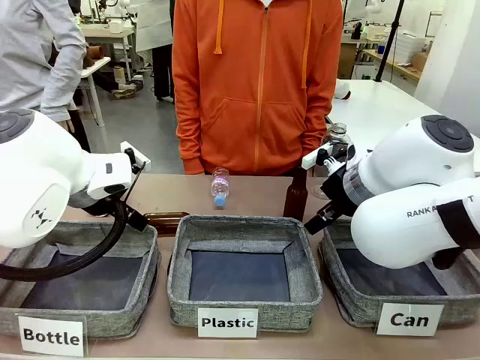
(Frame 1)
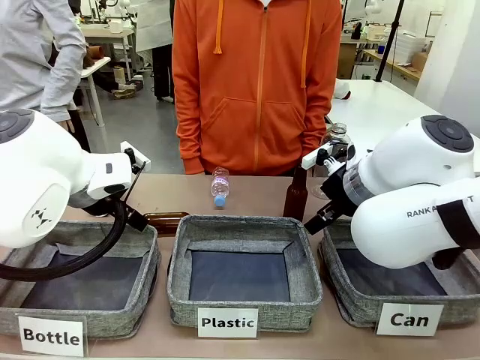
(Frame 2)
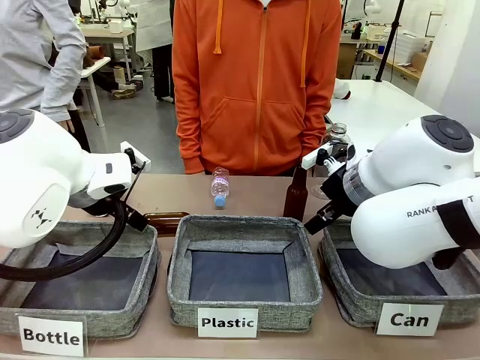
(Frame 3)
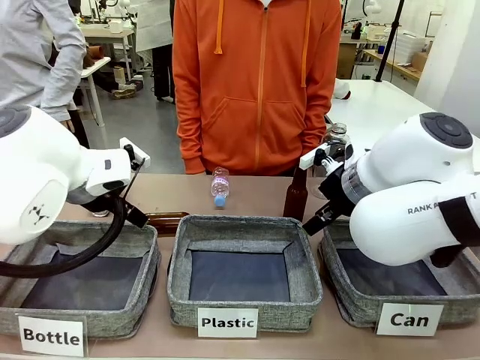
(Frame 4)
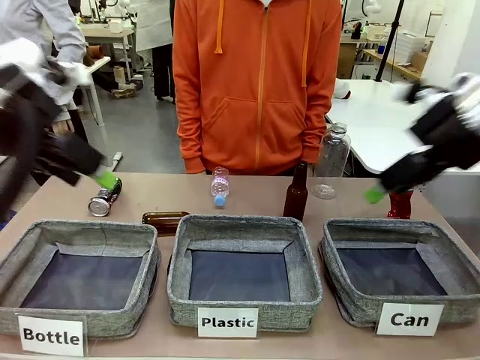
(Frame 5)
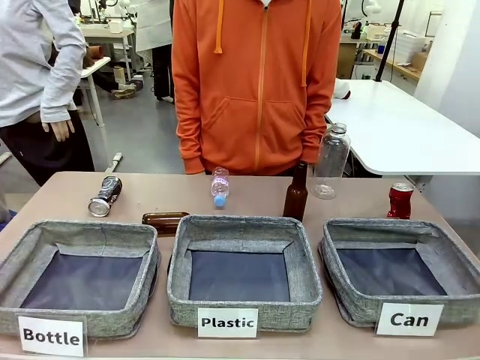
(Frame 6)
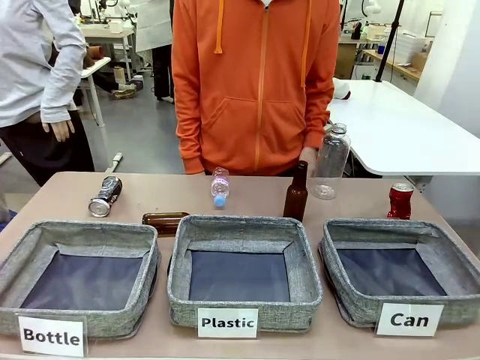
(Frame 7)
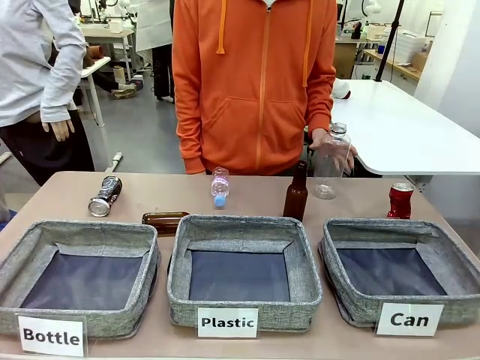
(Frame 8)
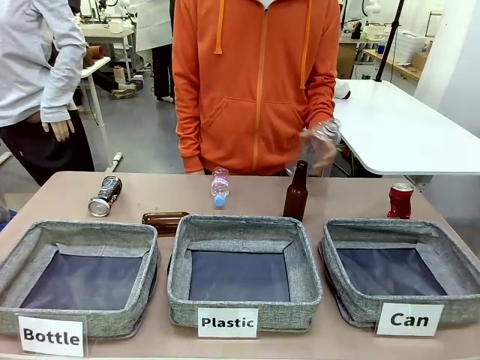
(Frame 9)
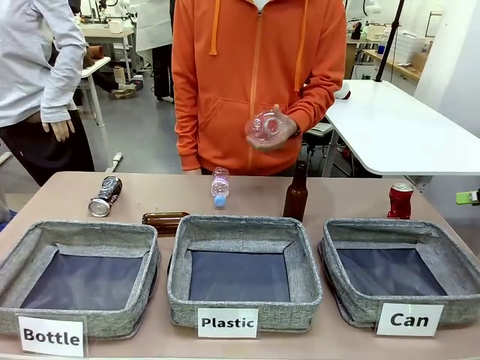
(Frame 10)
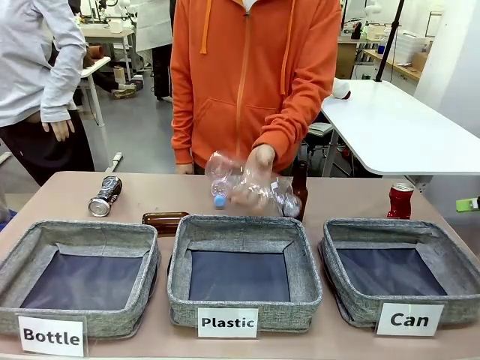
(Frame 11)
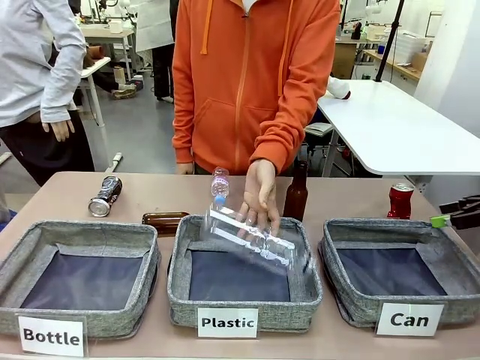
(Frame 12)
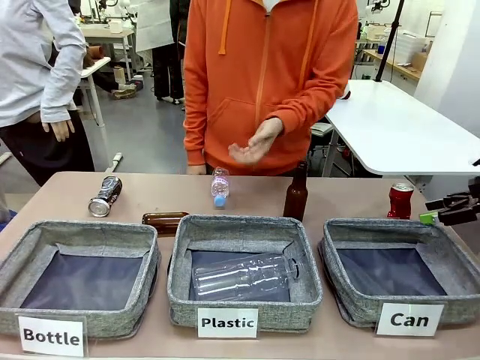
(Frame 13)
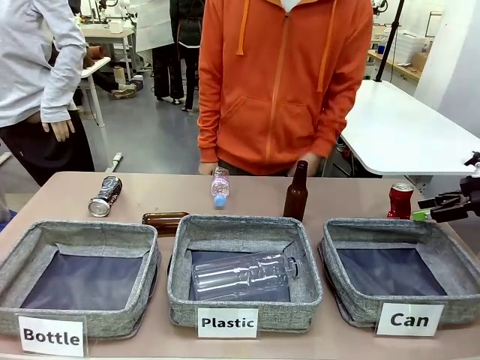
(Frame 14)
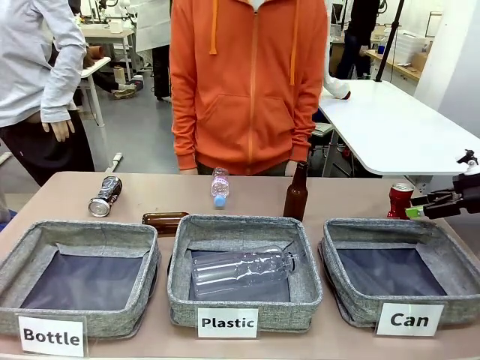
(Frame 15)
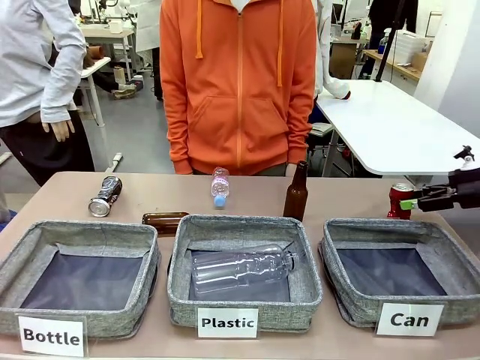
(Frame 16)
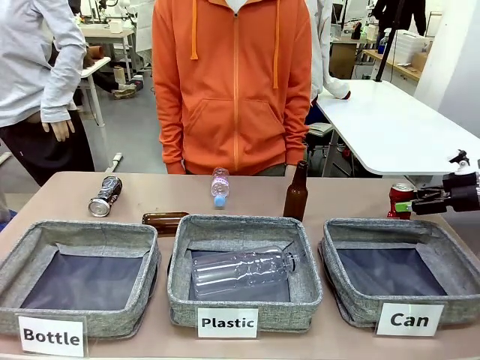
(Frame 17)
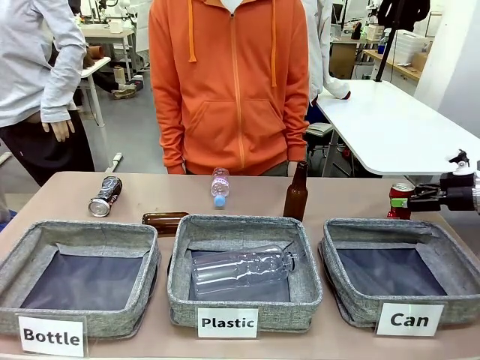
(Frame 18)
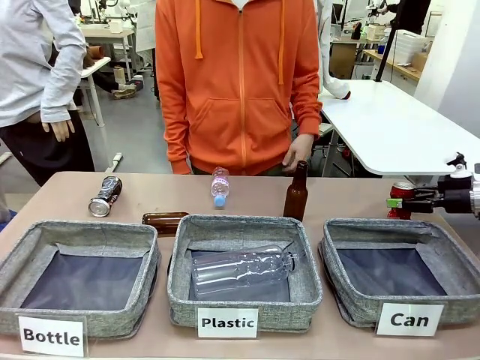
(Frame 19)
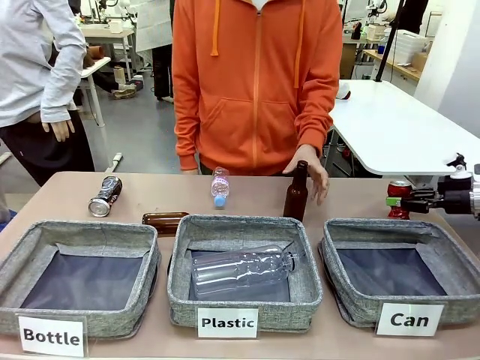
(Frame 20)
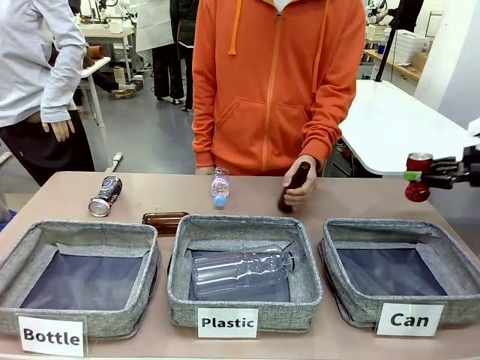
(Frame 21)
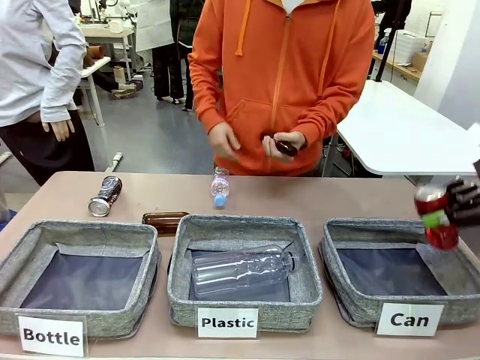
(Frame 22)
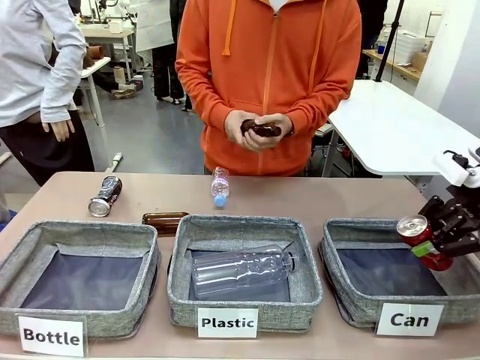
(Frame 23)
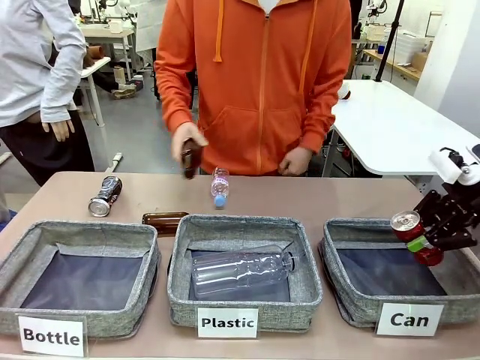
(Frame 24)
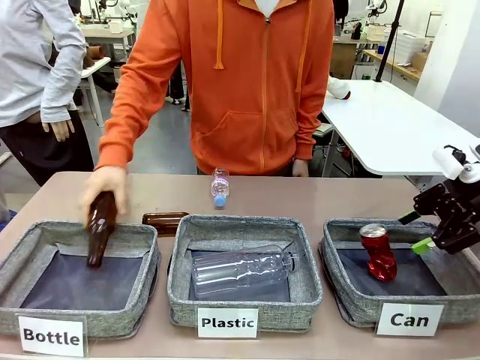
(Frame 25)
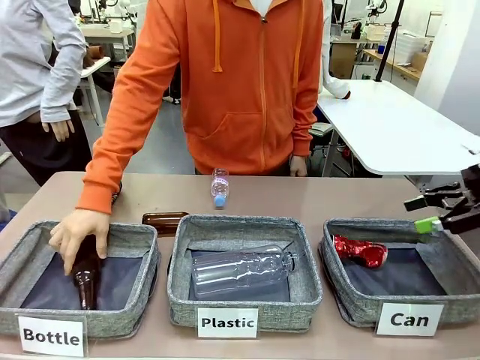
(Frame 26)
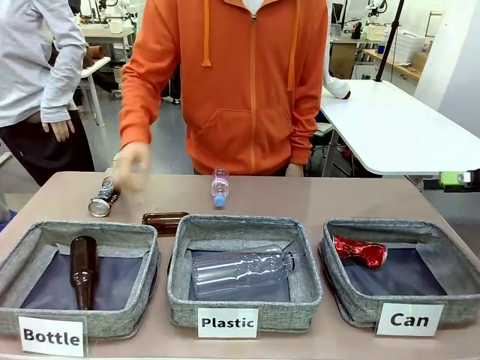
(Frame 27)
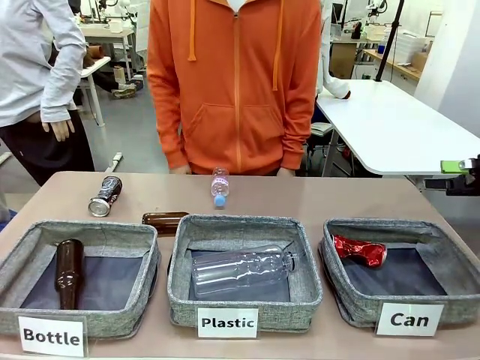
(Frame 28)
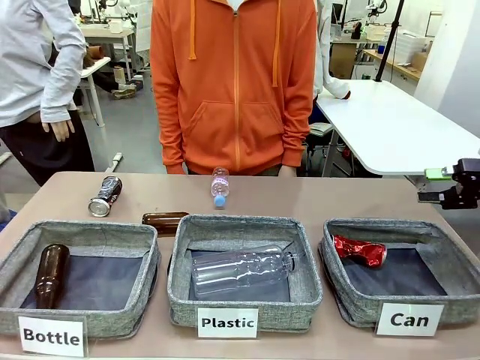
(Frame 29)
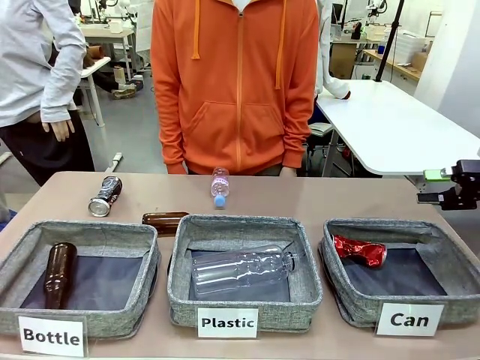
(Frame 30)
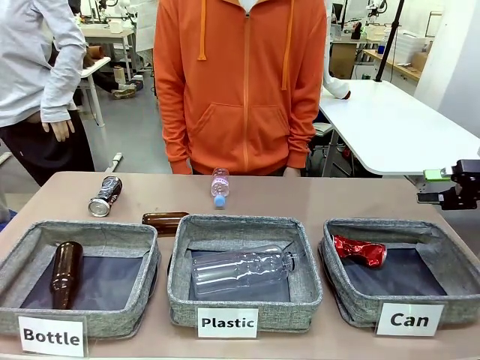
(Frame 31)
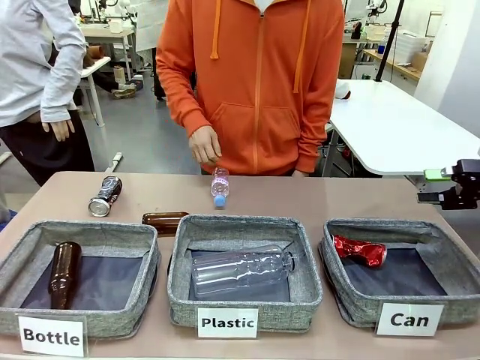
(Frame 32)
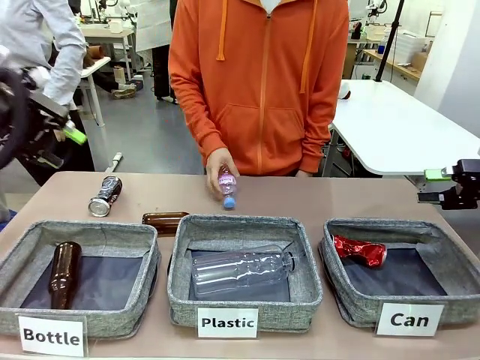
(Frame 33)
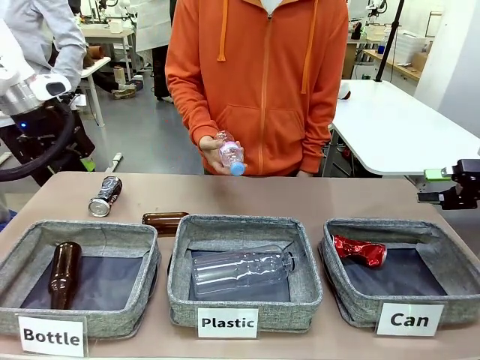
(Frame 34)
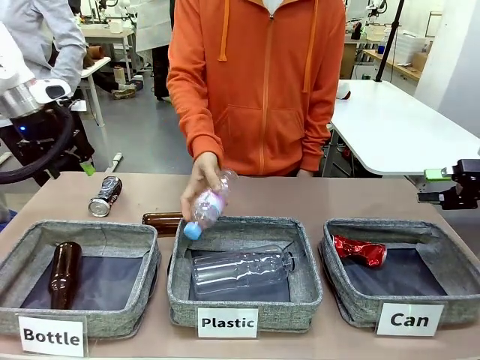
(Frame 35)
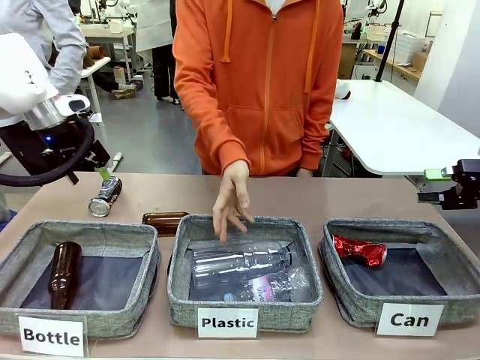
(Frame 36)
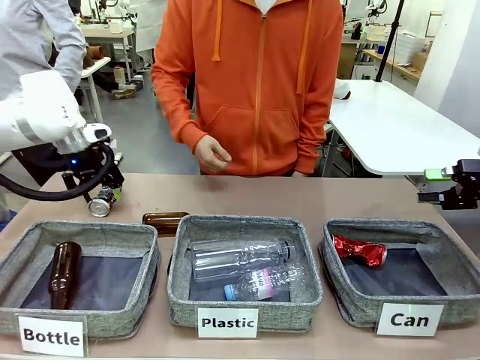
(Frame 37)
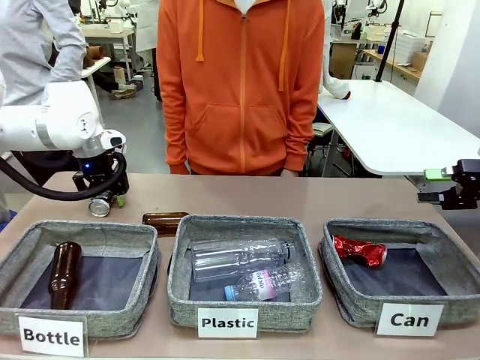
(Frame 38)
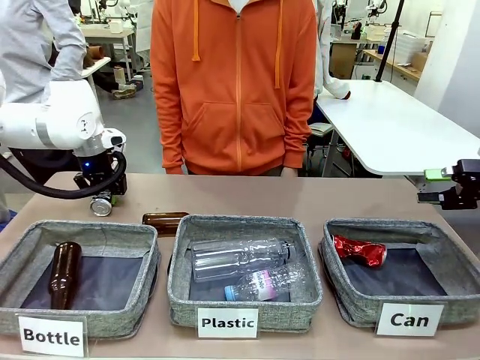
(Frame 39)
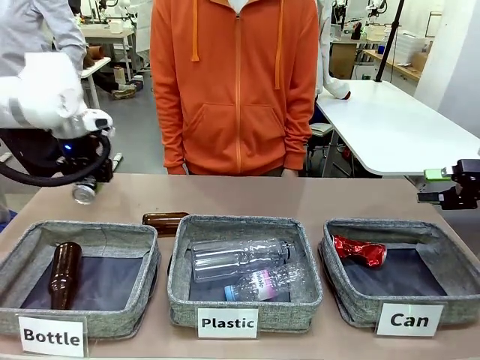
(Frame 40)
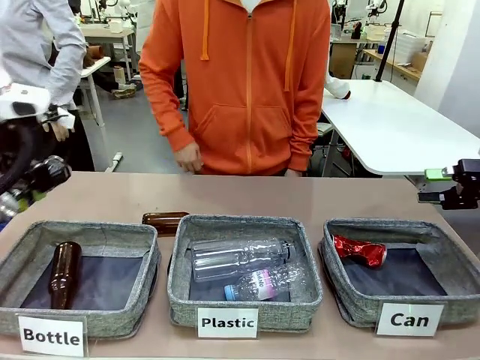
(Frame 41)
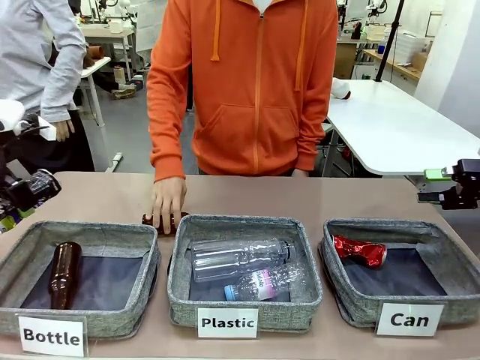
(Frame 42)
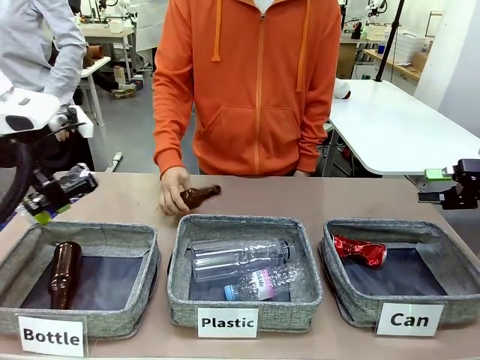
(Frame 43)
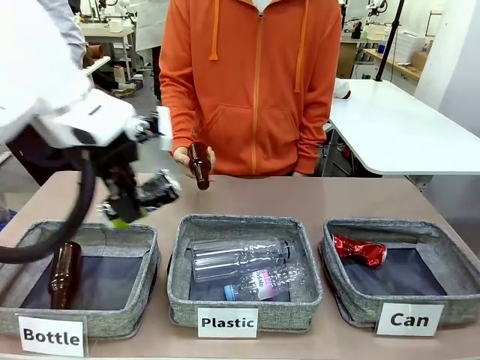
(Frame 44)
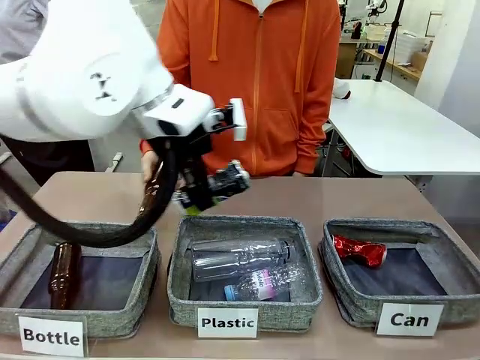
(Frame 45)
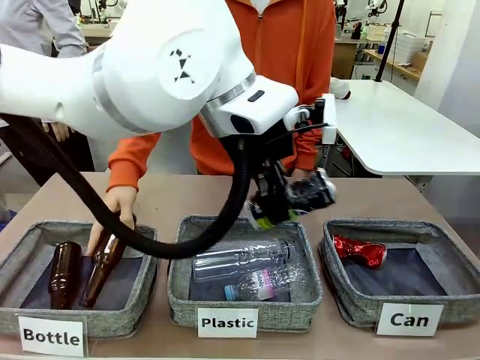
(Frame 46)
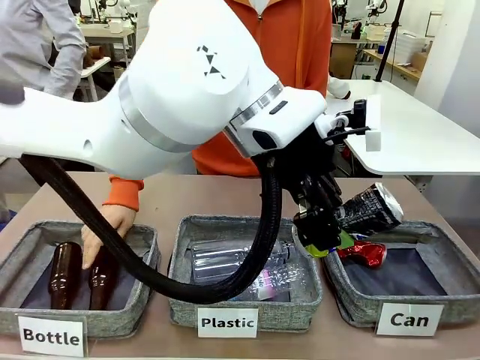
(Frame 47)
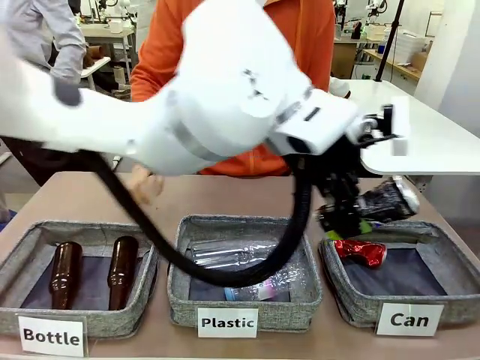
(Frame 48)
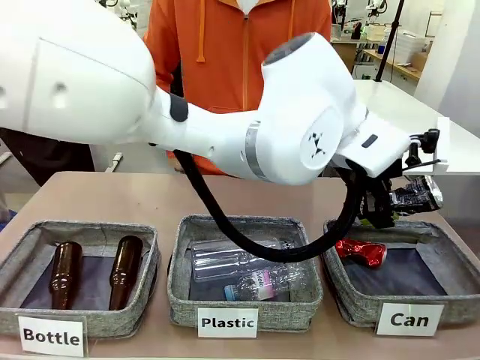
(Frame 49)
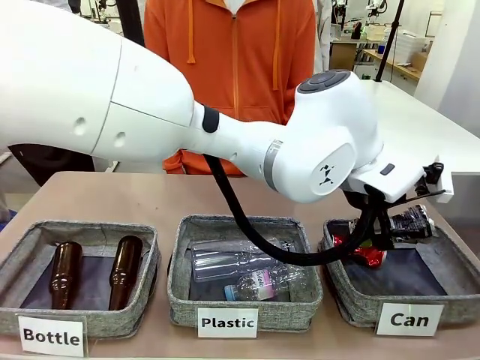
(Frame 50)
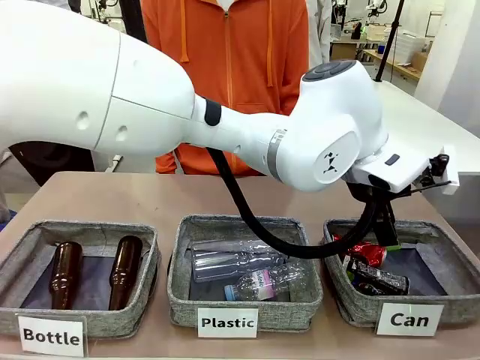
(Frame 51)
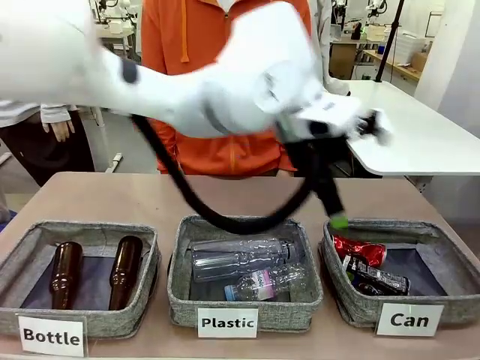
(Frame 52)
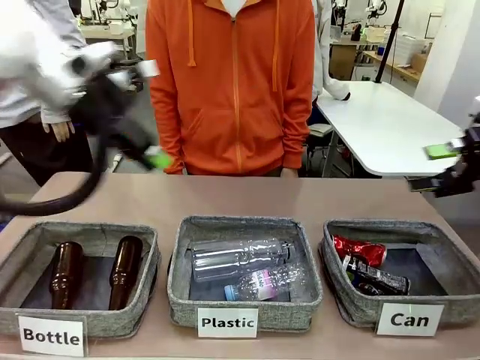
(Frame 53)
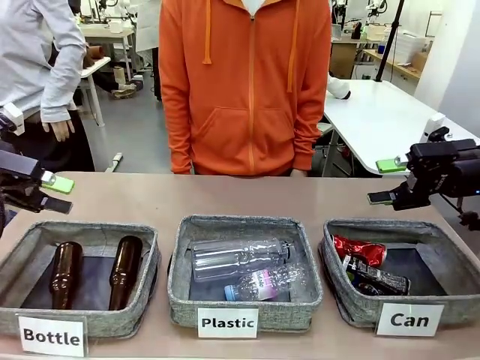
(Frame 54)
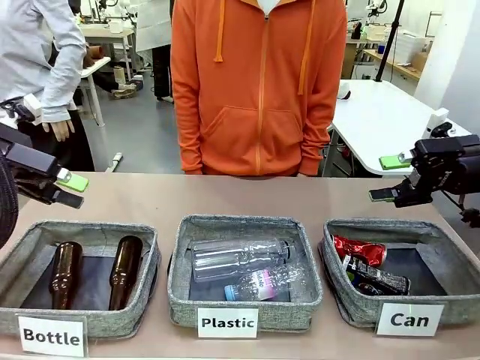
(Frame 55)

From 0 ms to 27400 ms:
Task: Sort the can waste into the basket.
Robot: Pick up the can waste from the table and place it in the right Fabric basket.
Person: The human picks up one piece of trash that is not a can and places the trash into the appropriate organizing basket.
